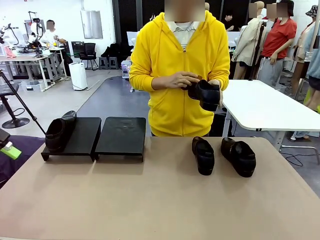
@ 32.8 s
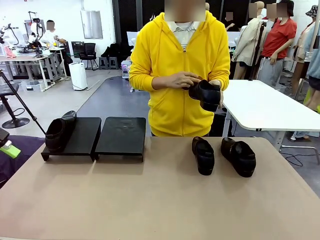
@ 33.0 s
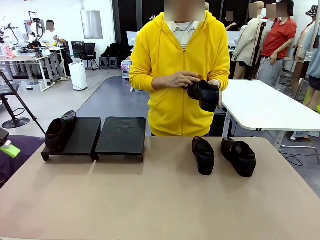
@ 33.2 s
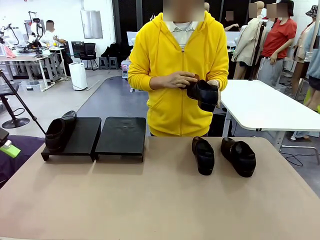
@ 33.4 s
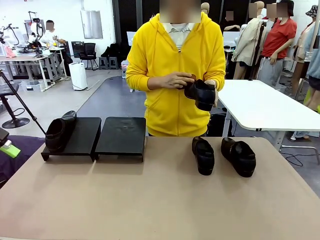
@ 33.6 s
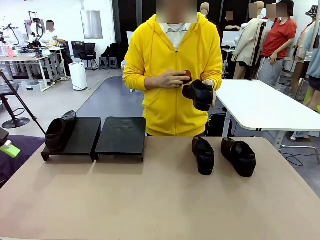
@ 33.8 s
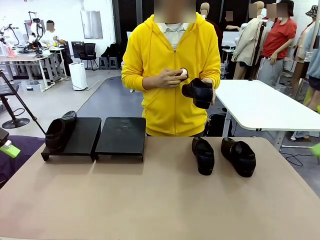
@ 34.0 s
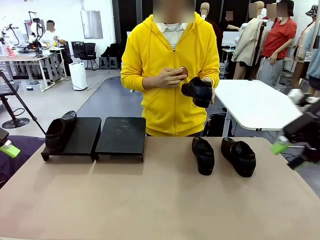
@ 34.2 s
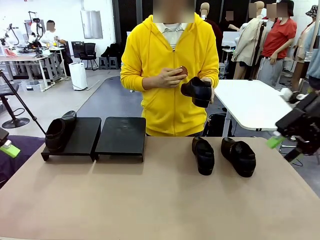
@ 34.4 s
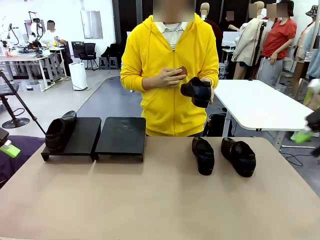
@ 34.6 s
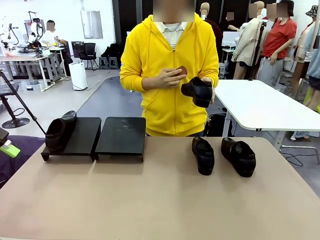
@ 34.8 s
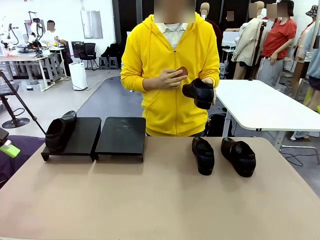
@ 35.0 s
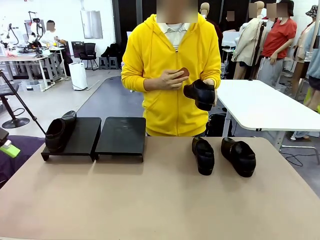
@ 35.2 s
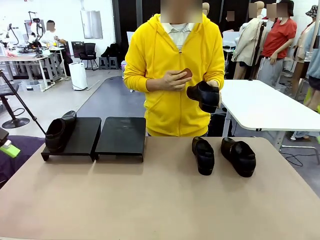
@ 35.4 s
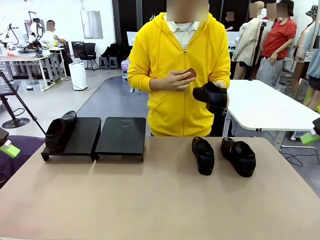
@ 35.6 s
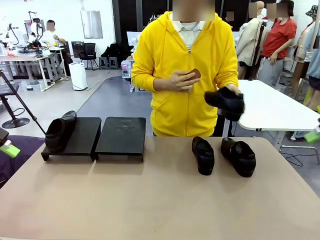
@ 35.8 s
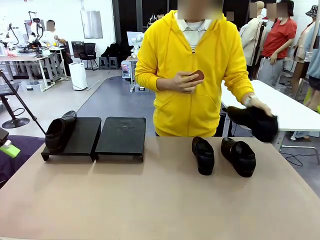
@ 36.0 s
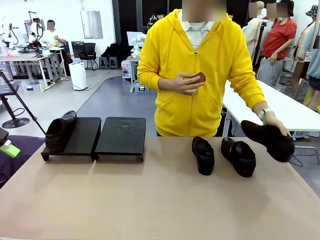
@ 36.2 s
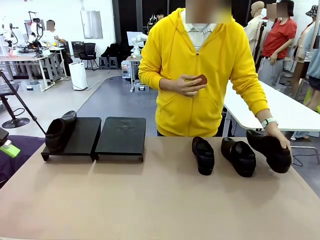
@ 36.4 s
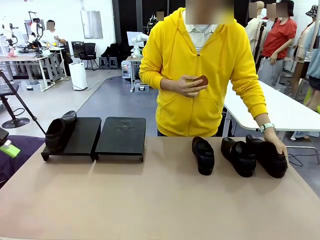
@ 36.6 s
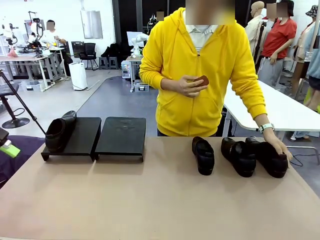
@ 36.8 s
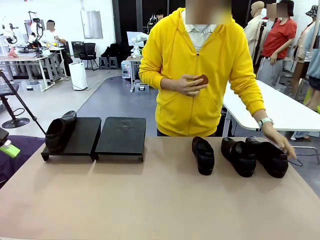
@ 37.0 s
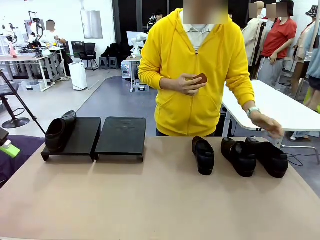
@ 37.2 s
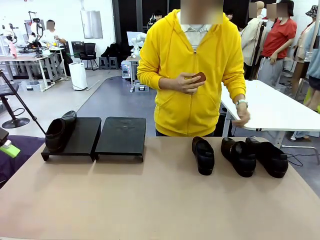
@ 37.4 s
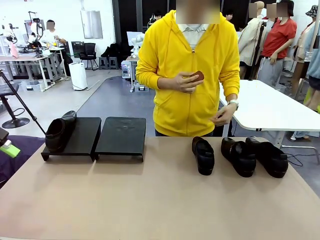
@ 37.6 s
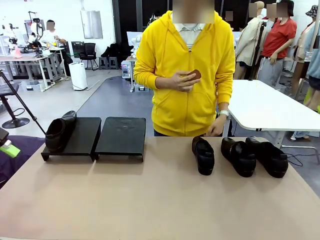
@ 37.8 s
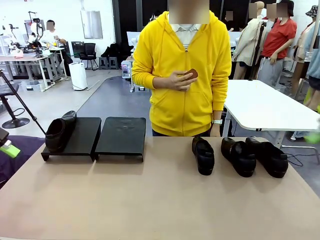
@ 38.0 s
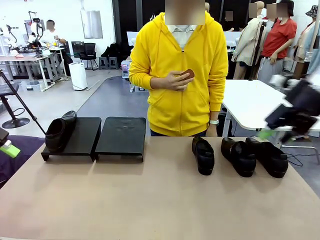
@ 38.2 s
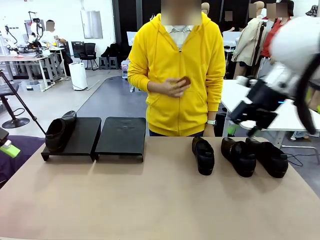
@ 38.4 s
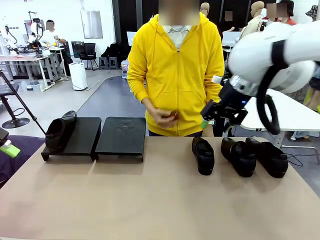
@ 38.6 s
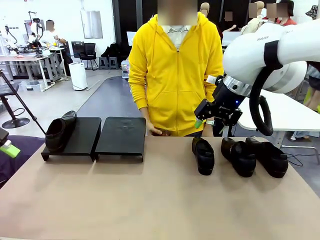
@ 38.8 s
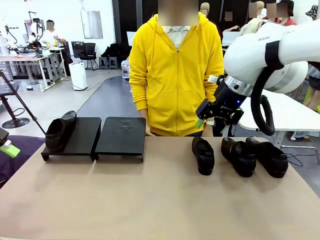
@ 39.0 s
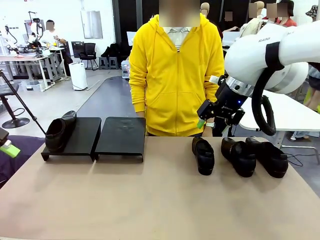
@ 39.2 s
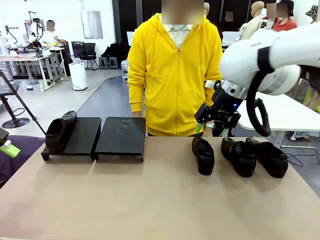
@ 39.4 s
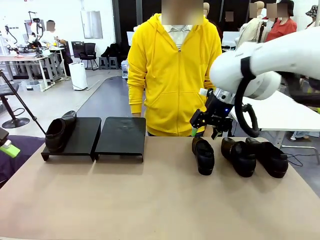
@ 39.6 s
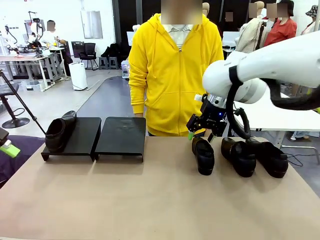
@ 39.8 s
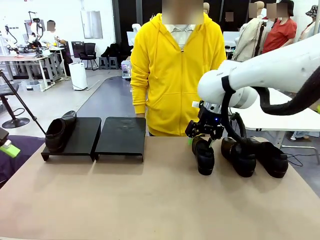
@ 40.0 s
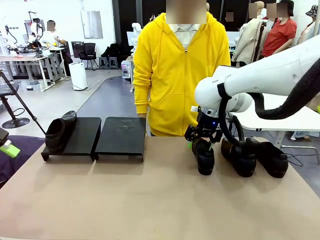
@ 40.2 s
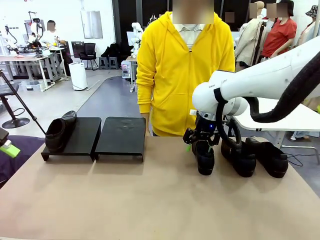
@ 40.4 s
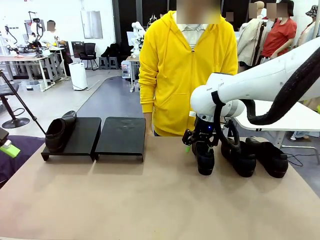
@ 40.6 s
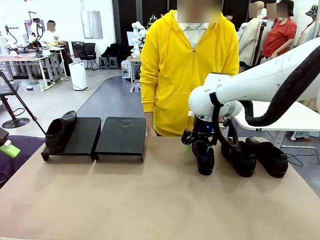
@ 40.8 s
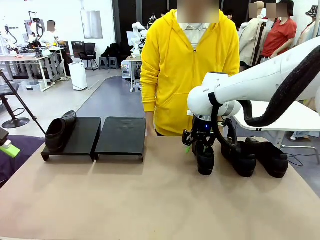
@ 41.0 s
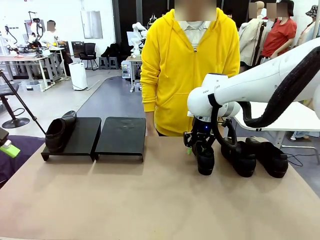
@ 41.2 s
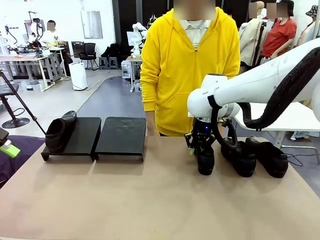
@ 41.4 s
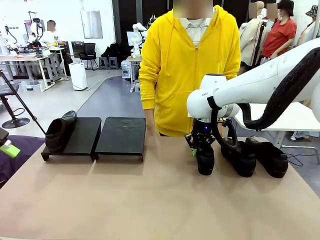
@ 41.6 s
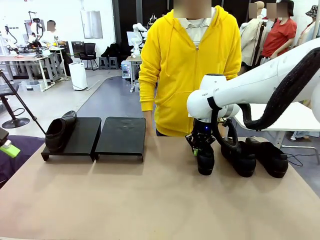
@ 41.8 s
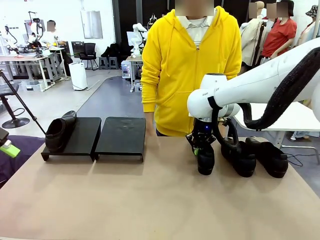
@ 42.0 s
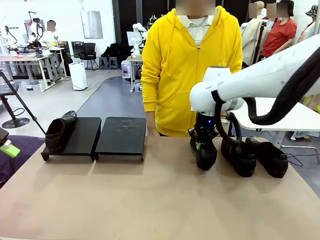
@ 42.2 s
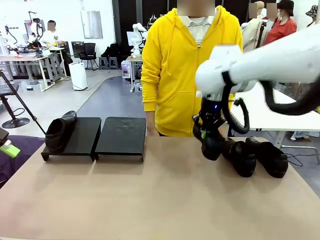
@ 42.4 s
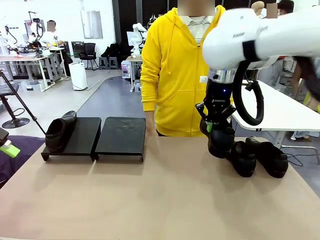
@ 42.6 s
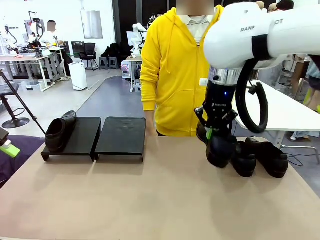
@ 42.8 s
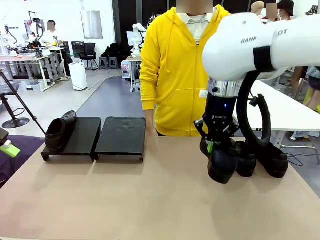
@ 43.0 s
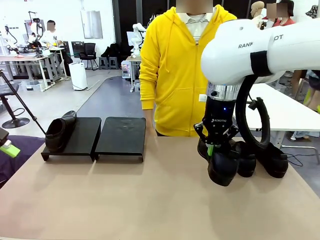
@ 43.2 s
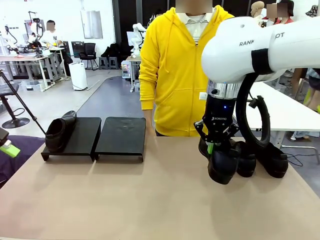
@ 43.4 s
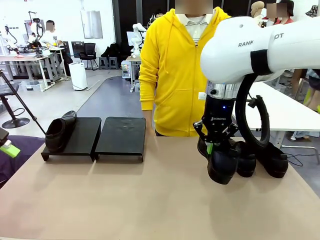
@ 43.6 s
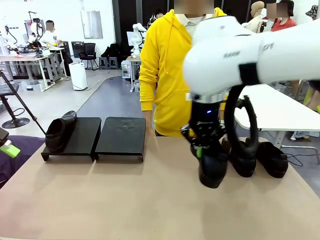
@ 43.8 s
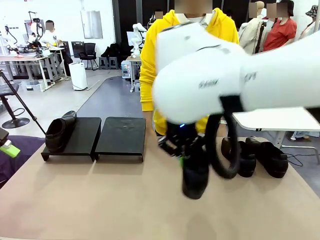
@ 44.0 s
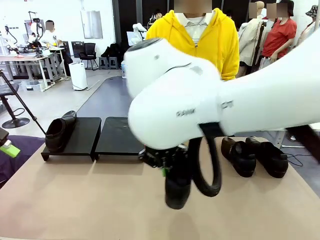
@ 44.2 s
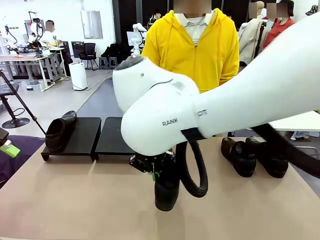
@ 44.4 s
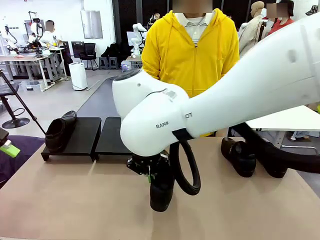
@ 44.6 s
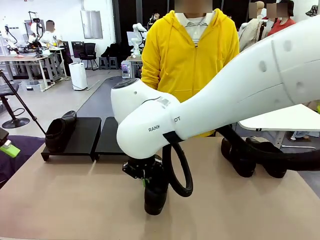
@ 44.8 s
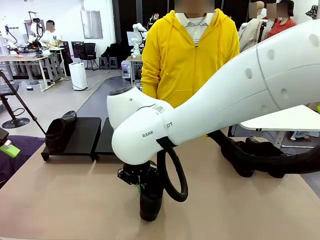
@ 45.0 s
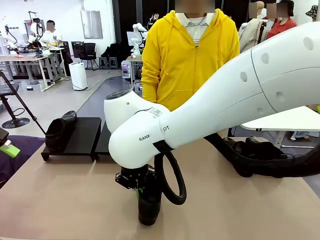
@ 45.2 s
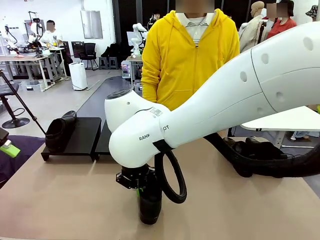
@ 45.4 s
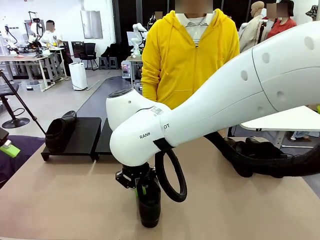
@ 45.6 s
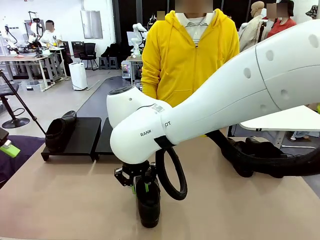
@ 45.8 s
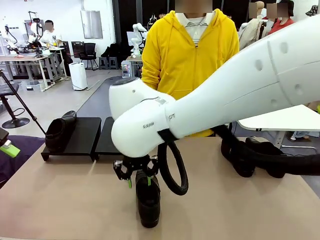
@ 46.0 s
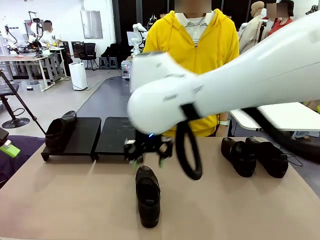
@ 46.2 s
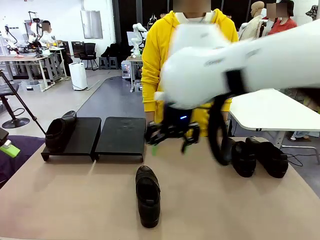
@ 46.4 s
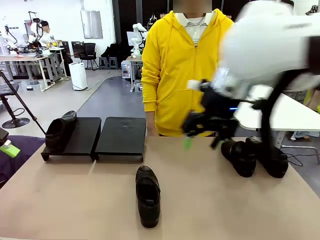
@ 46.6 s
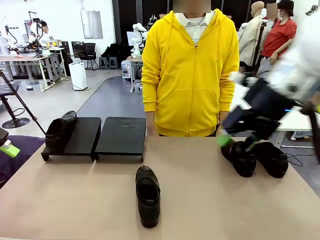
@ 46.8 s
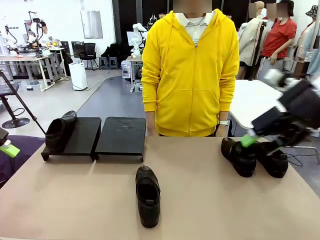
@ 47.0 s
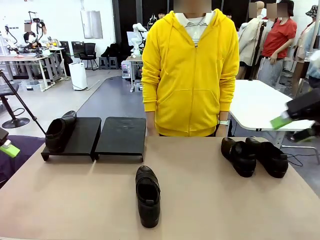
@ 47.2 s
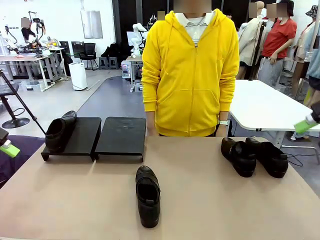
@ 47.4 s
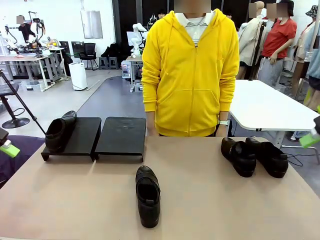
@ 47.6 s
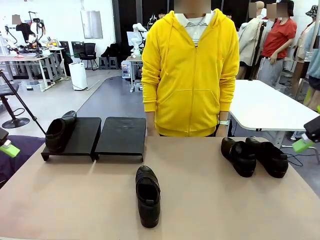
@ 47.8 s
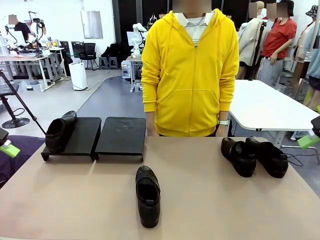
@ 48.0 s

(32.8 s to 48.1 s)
Task: Organize the shoes by placing them on the stand.
Robot: Pick up one Shoe and place it in the middle of the table.
